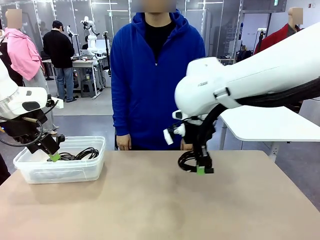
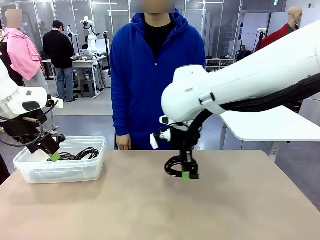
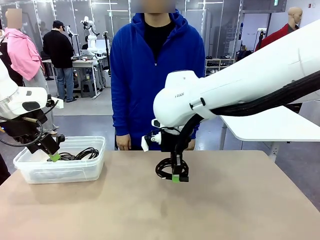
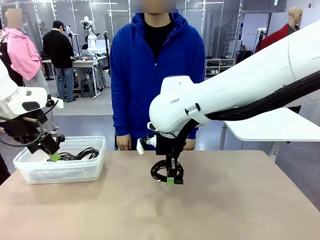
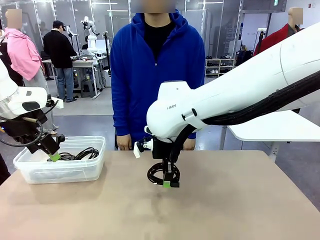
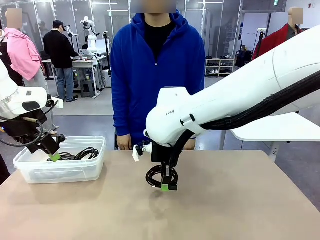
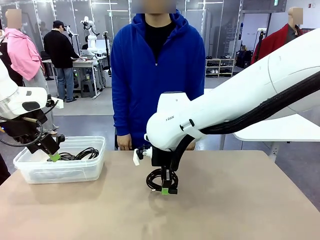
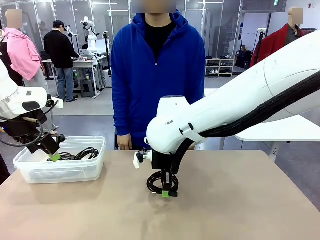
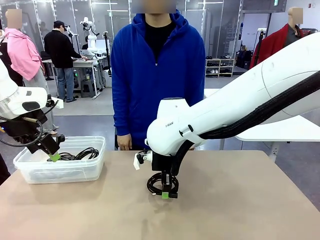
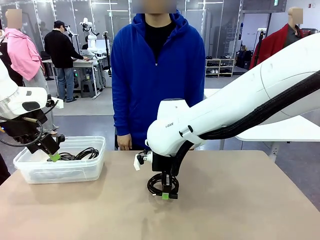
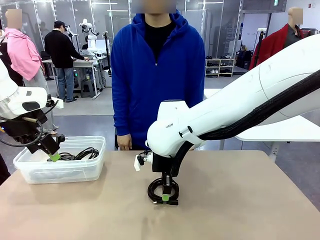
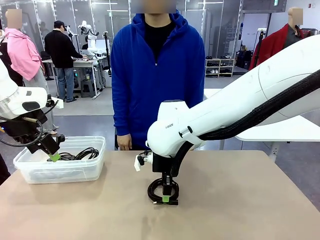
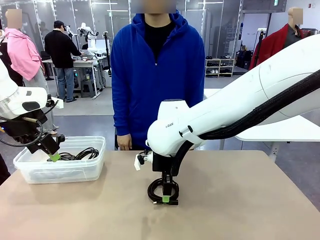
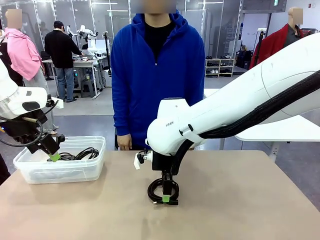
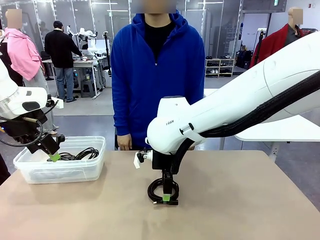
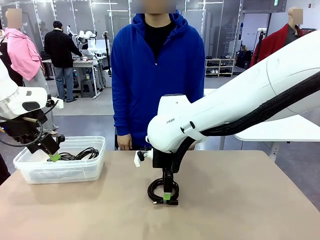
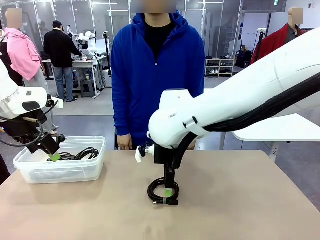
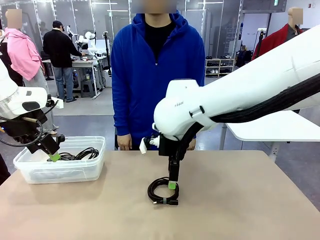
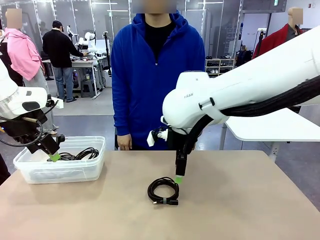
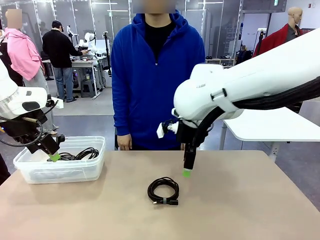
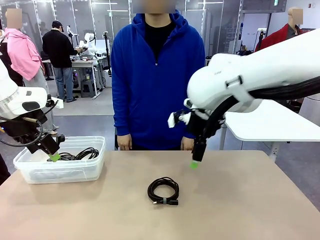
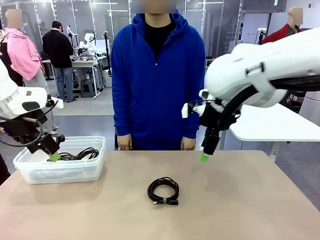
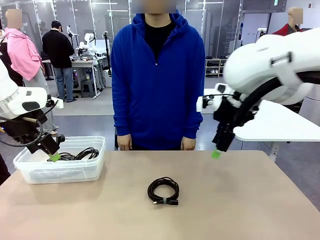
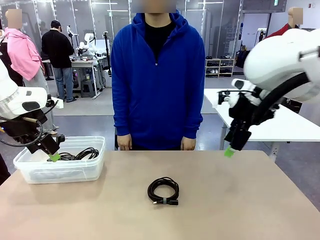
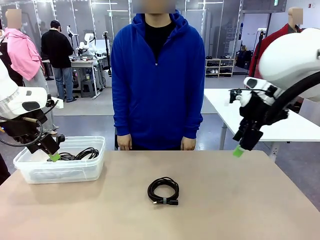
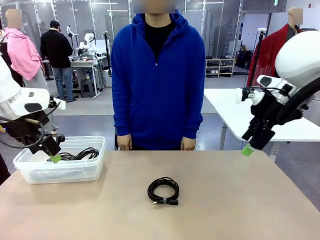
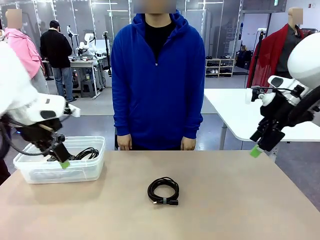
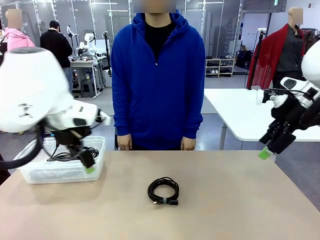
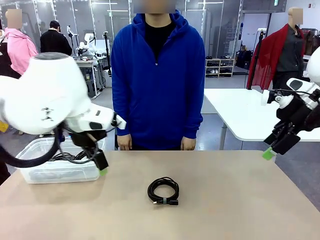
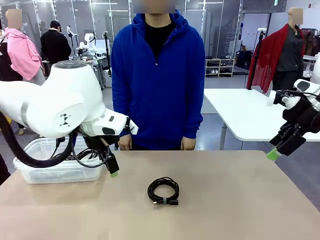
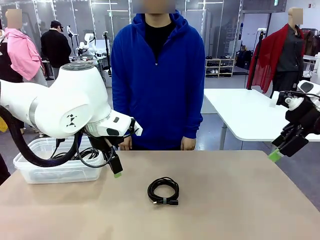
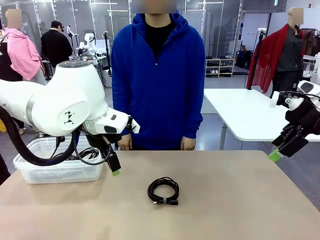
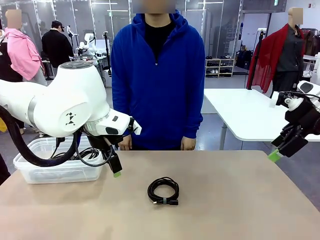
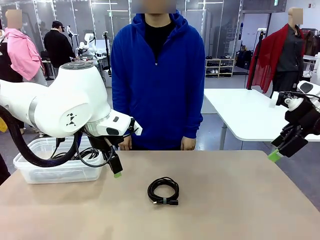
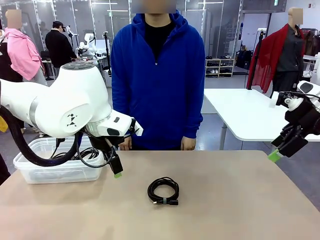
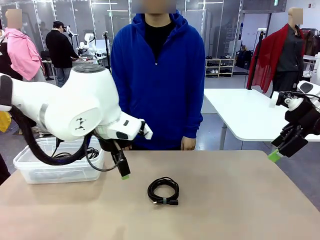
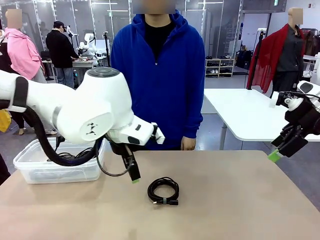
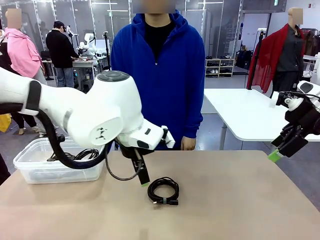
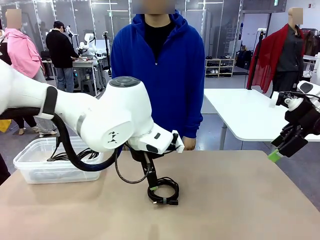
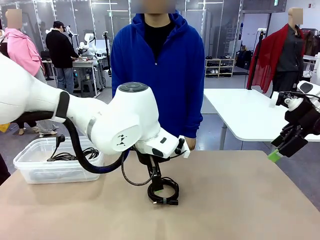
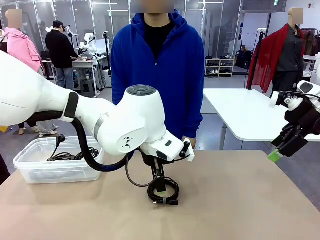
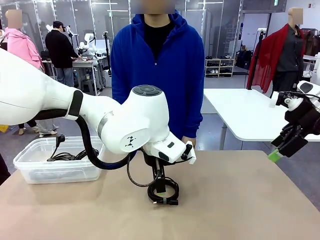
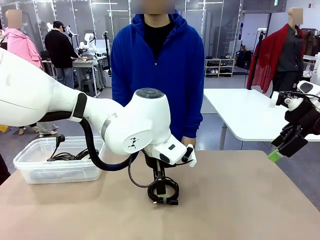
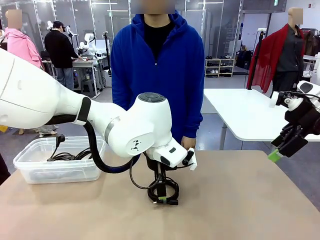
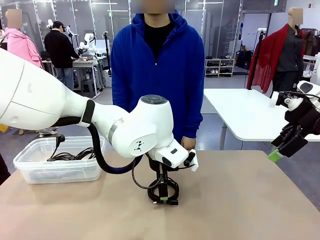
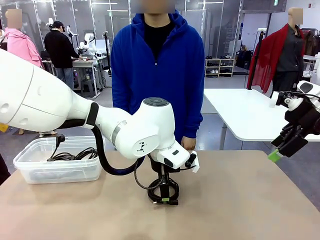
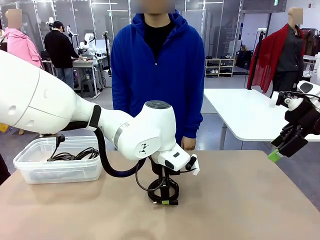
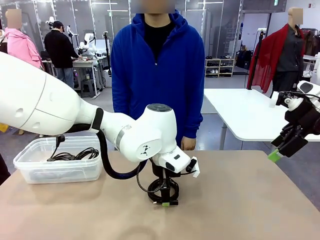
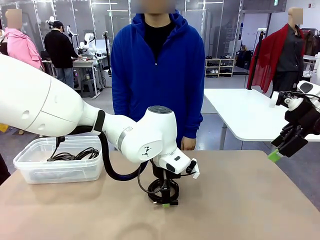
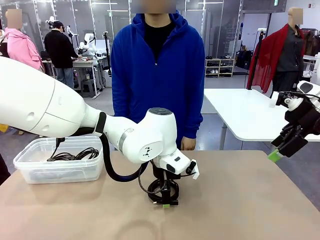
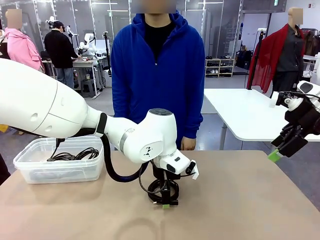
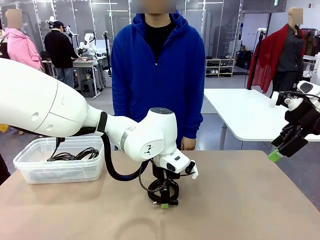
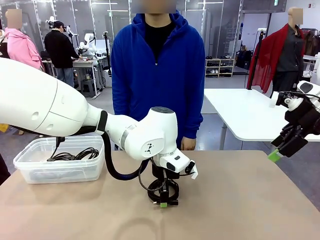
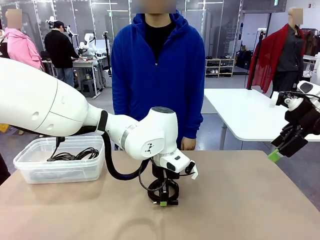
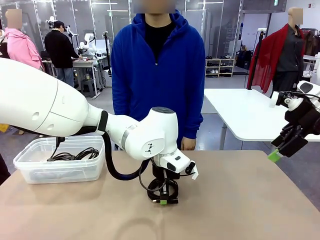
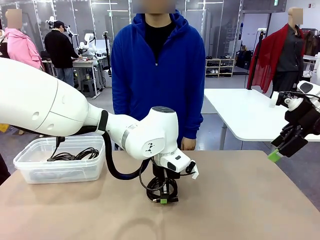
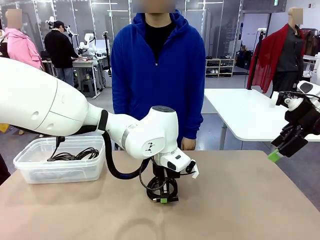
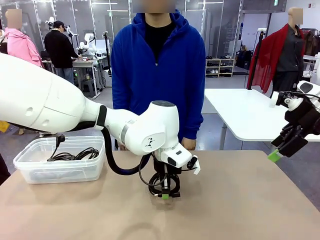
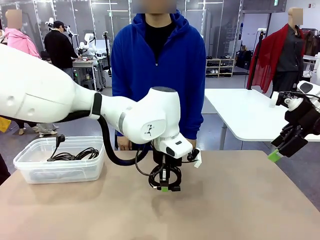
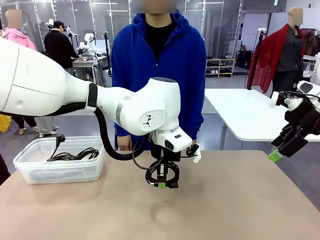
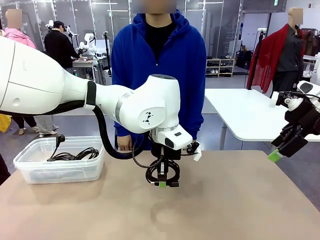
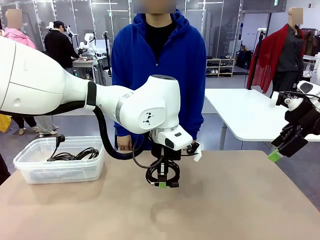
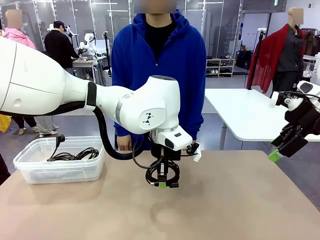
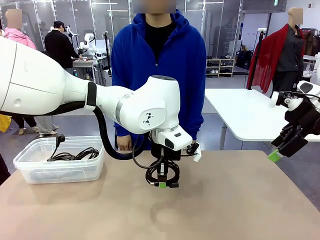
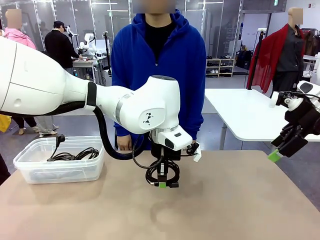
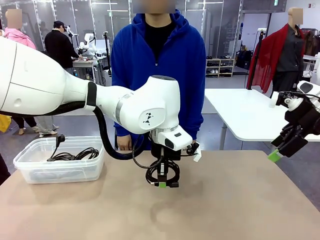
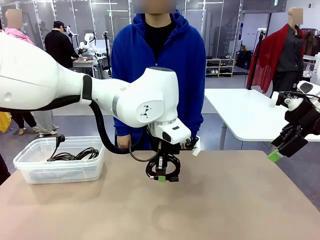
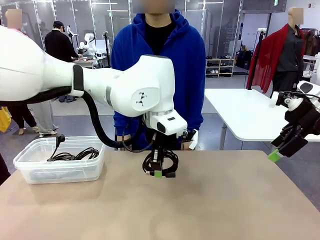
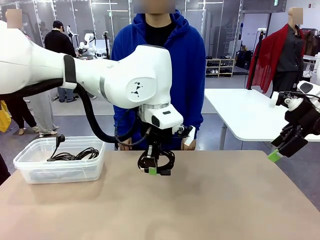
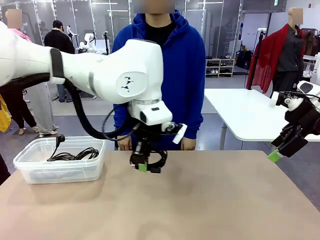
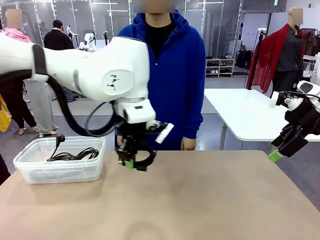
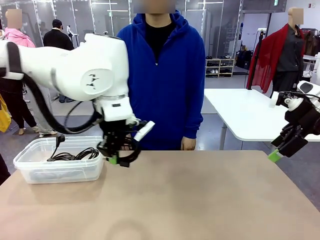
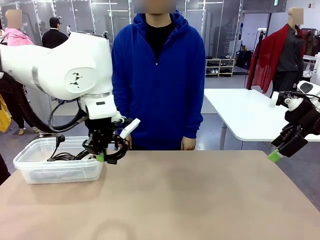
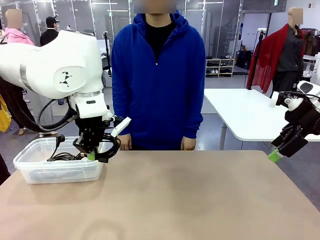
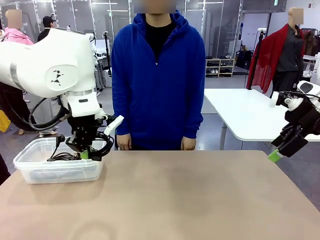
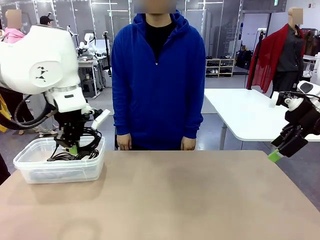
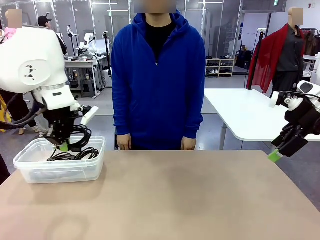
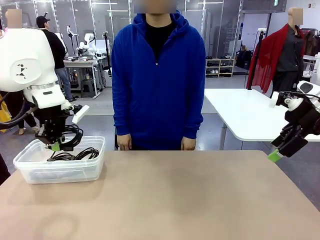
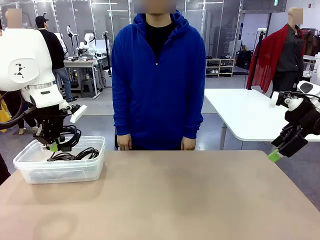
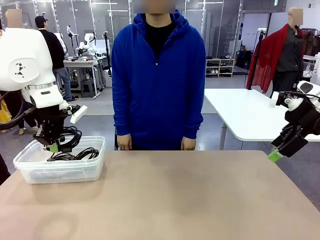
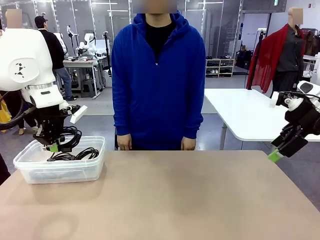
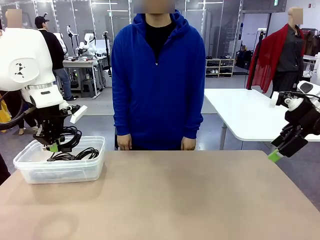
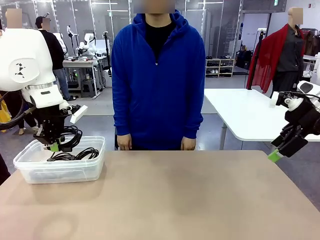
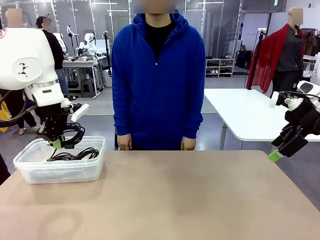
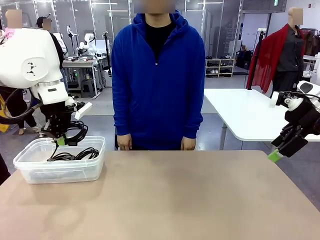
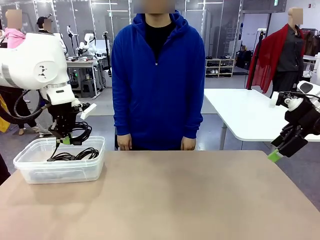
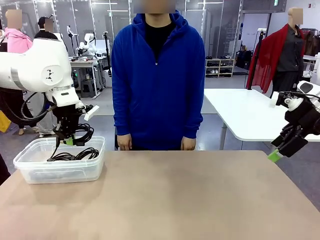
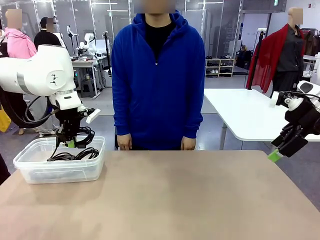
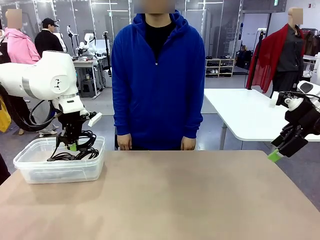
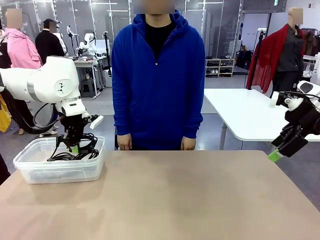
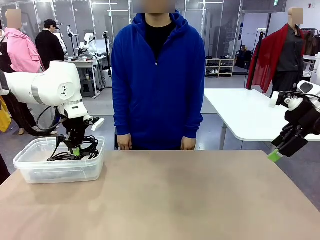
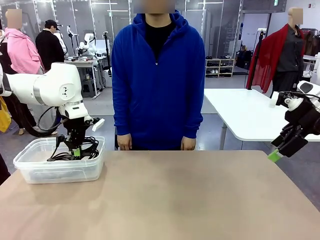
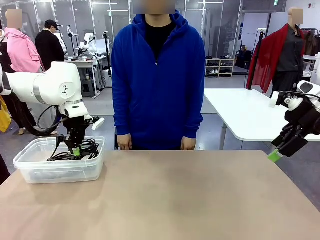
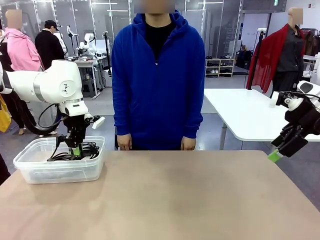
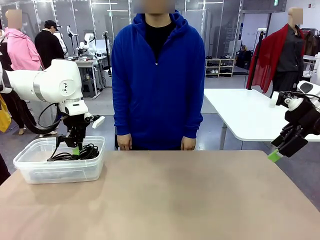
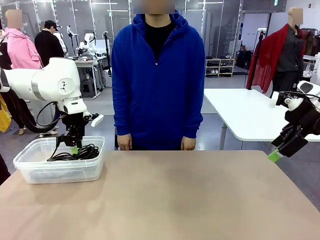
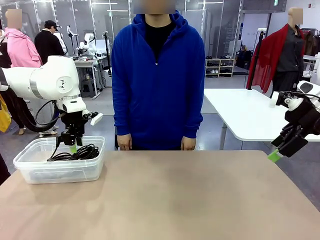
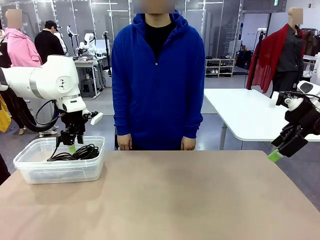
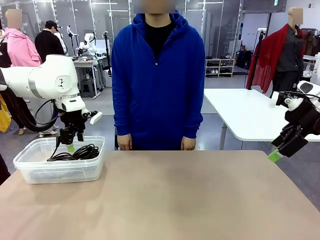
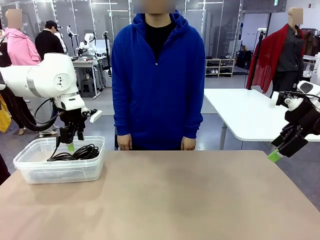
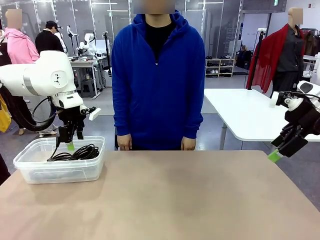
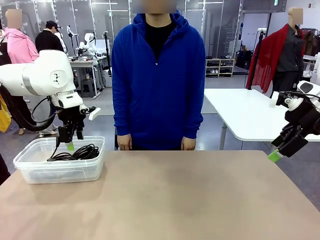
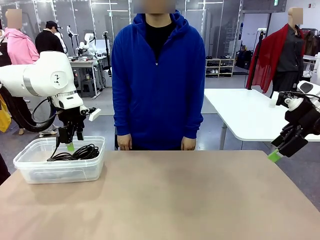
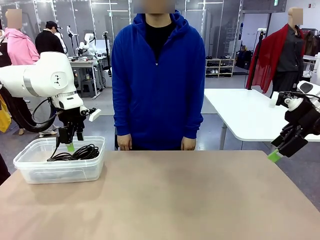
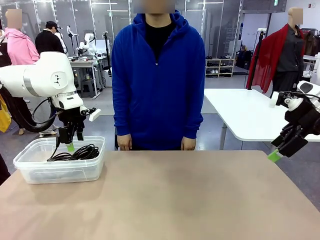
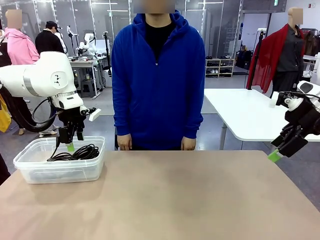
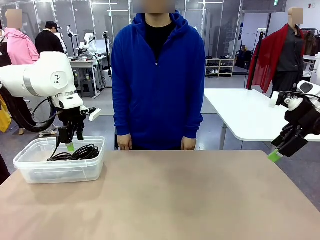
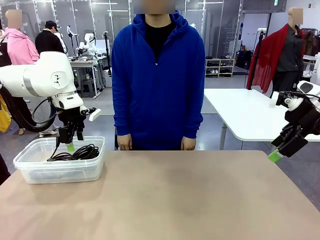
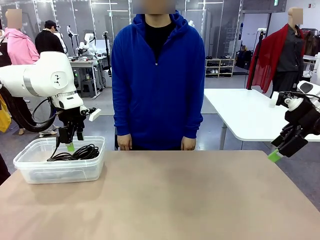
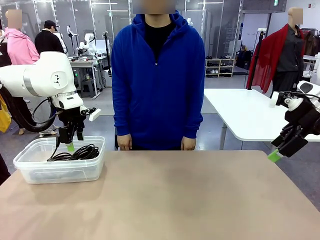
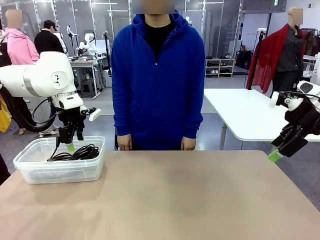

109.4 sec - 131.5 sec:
Task: Organize and store the cables.
Robot: Place the USB Extension Cable into the Organizing box.
